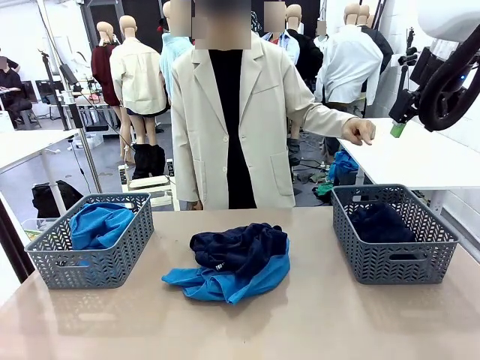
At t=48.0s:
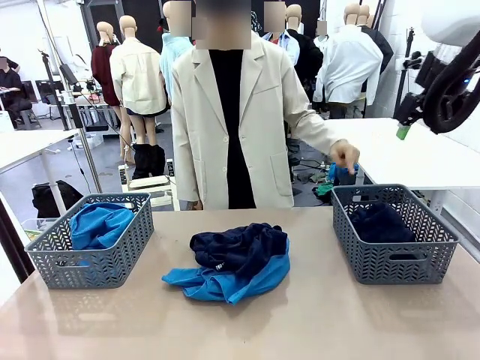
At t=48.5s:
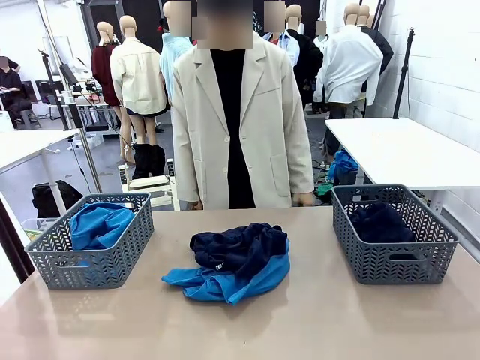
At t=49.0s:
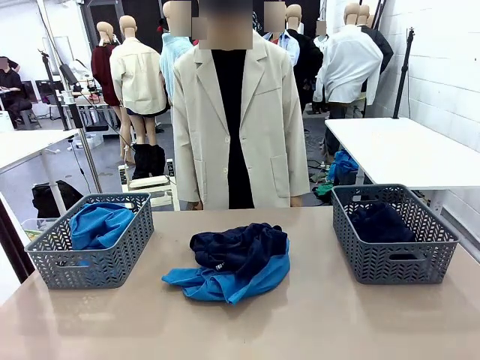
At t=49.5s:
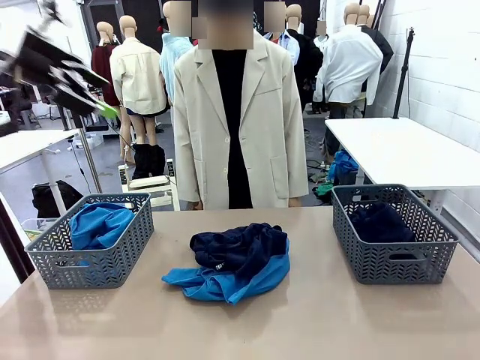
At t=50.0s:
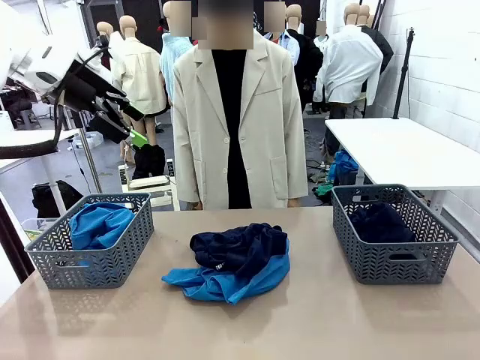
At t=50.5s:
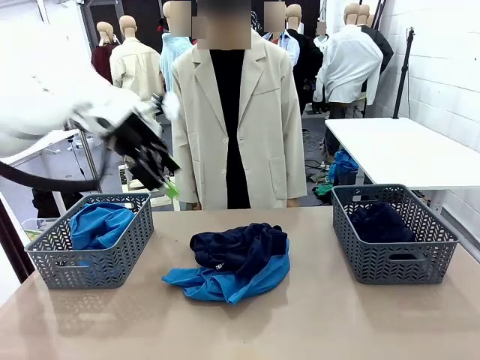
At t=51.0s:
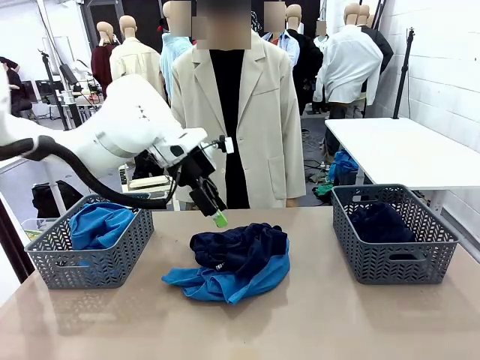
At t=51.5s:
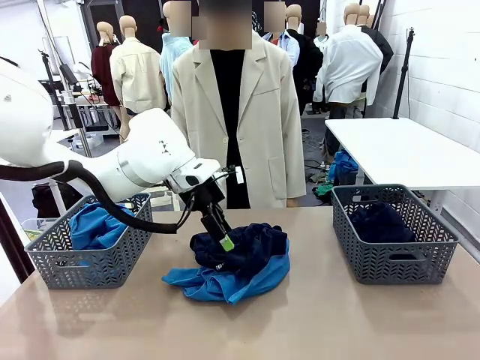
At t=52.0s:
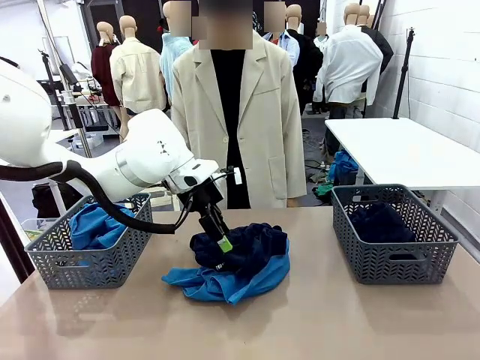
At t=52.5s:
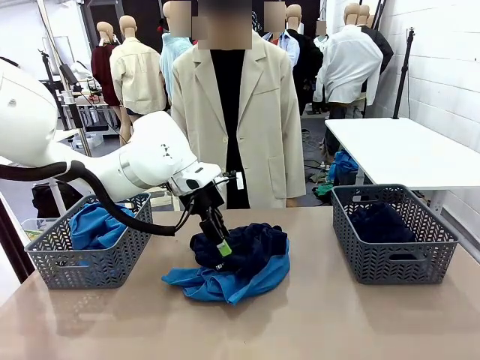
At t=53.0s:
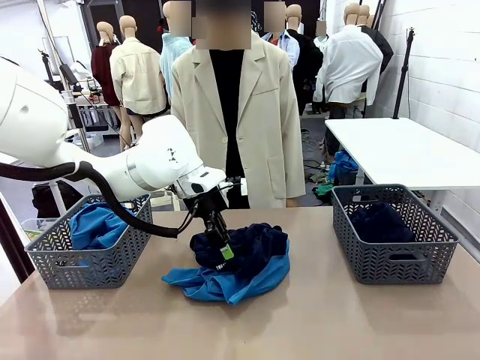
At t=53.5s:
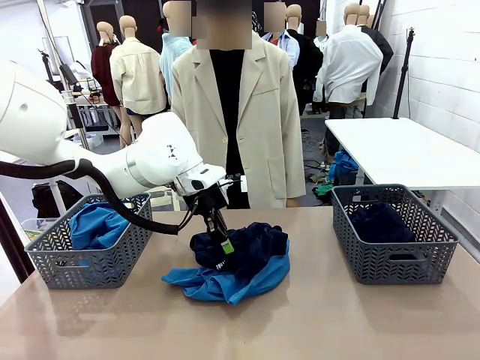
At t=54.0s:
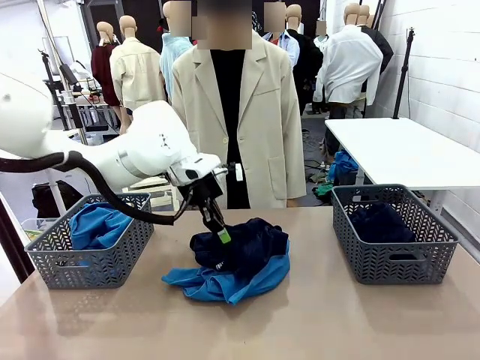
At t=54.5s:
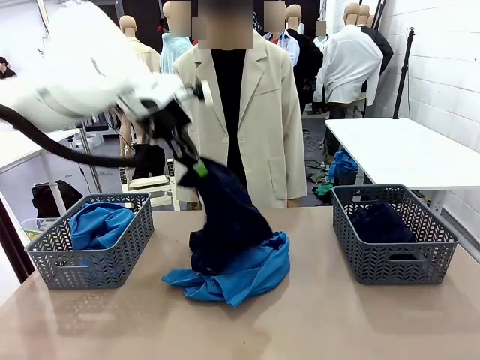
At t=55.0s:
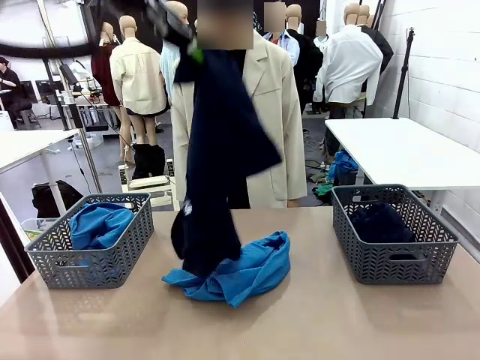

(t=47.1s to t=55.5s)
Task: Sort the tops and bottoms.
Robot: Lift clothes from the center of the table with your left hand.

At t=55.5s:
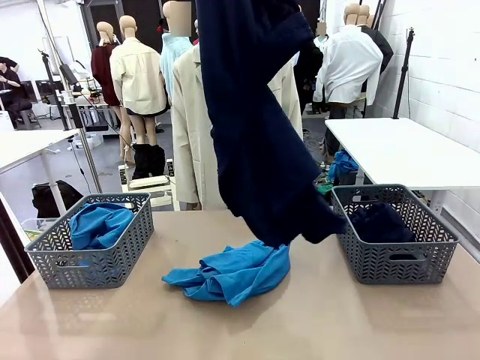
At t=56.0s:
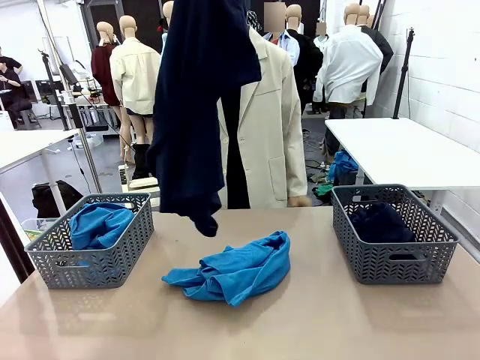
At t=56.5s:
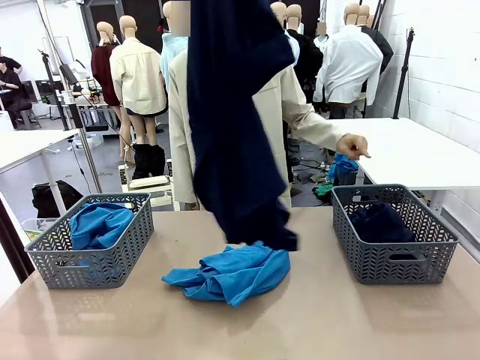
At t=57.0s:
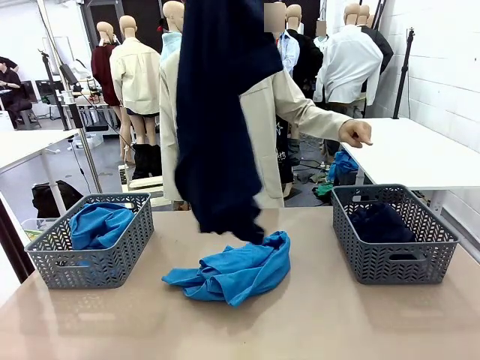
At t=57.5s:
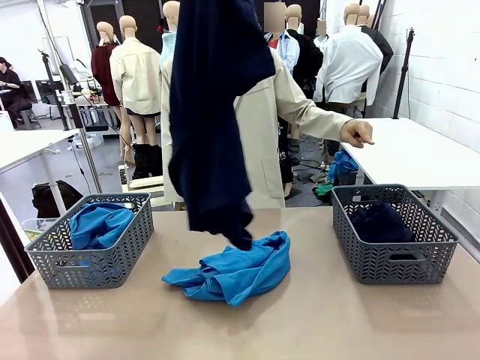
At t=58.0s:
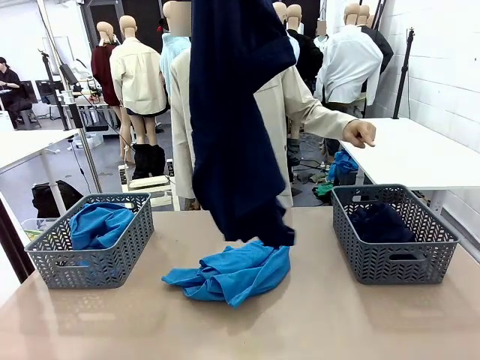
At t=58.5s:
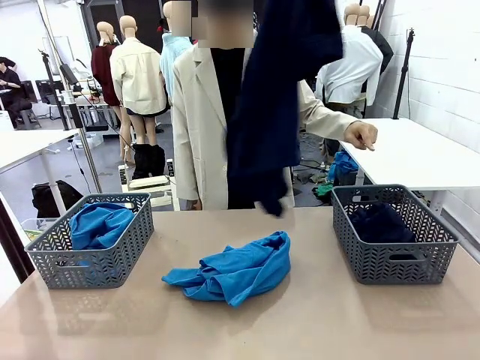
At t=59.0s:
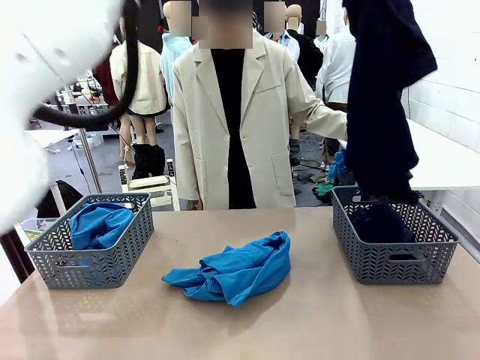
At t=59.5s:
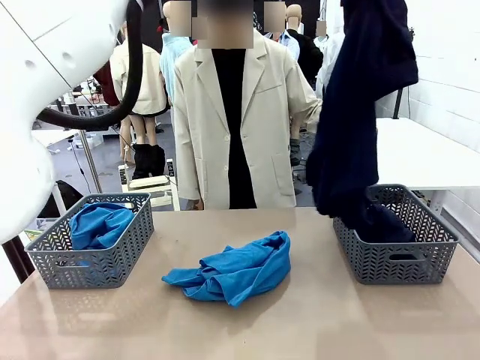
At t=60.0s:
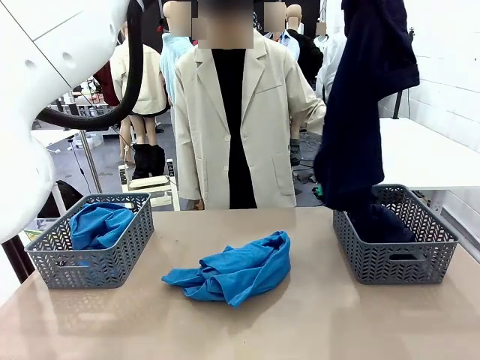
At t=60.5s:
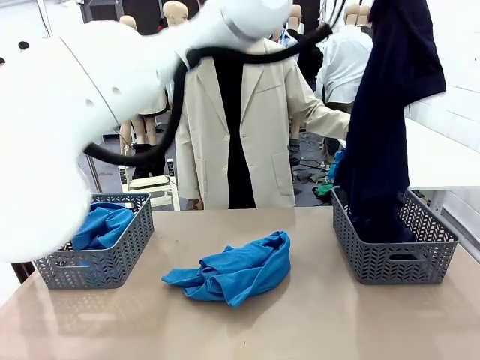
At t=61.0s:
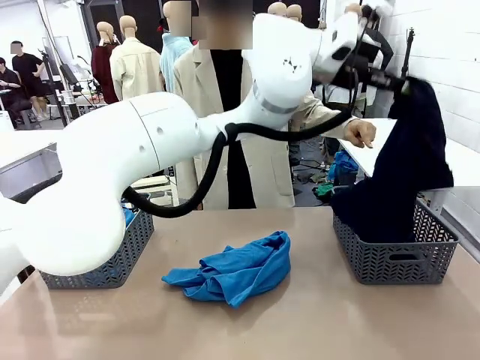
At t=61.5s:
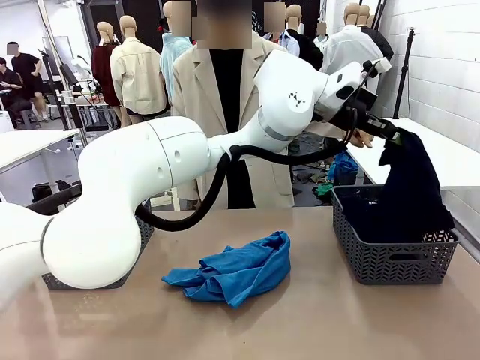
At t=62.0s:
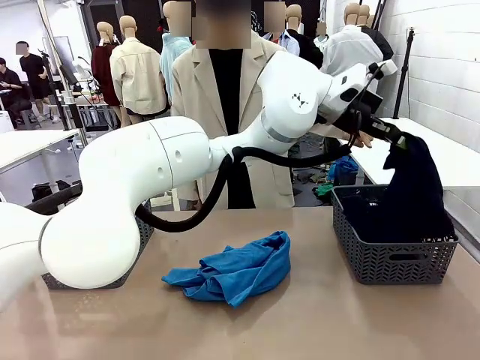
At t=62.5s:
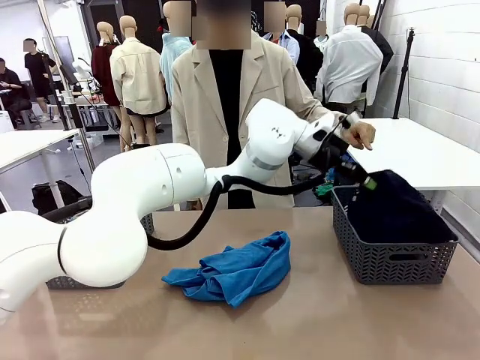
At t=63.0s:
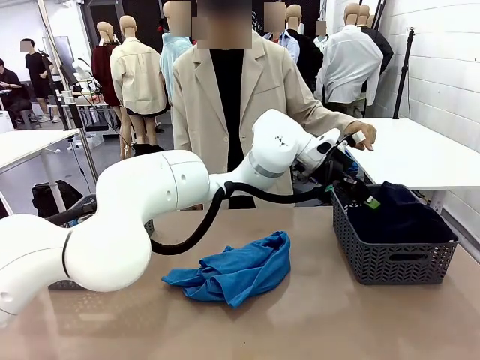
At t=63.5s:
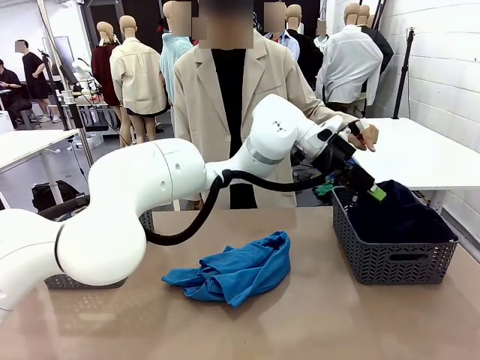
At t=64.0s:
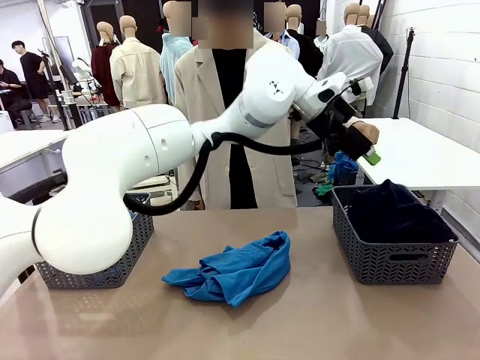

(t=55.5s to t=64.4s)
Robot: Sort the clothes according to human instructions.

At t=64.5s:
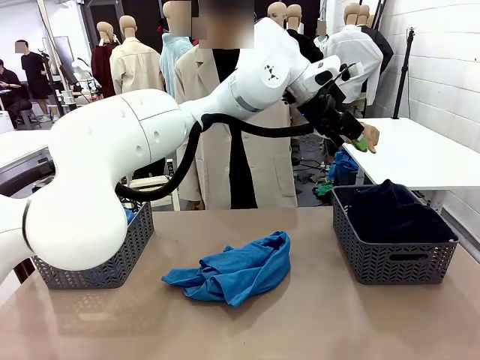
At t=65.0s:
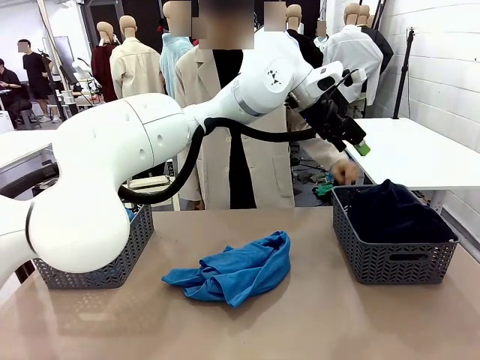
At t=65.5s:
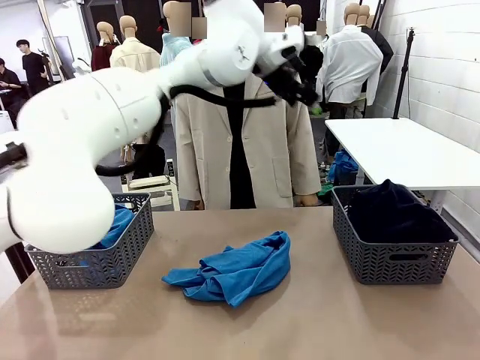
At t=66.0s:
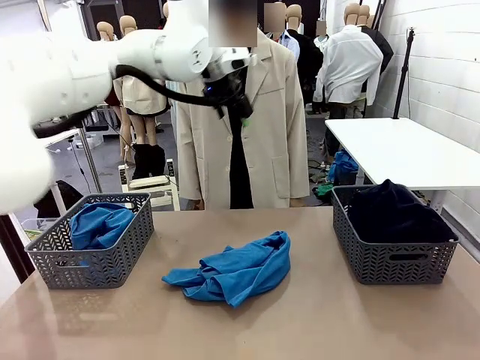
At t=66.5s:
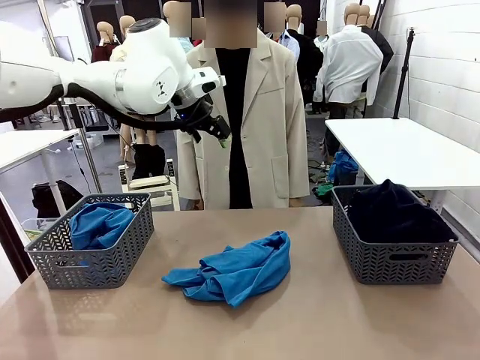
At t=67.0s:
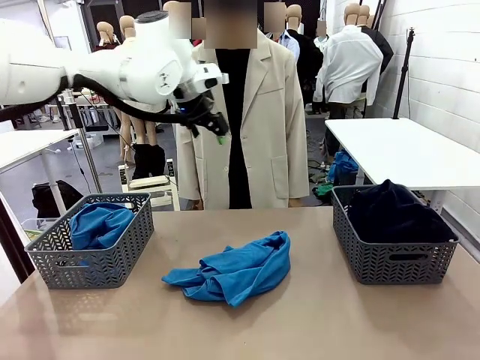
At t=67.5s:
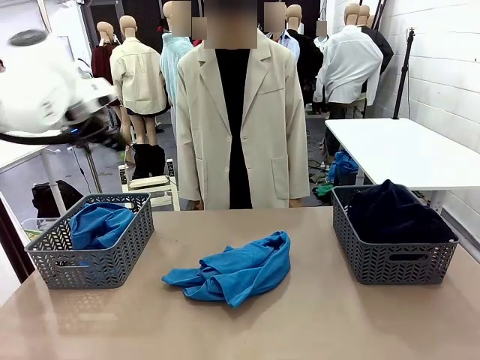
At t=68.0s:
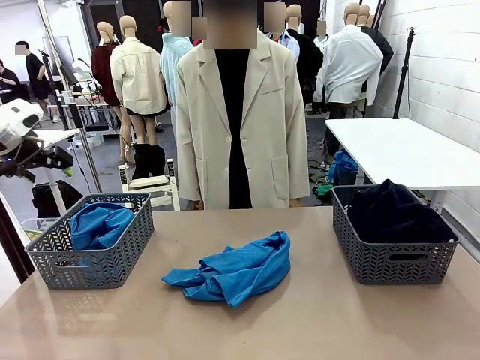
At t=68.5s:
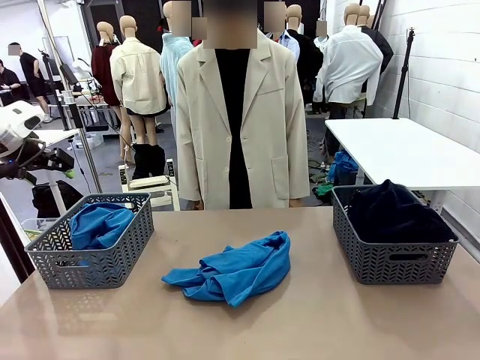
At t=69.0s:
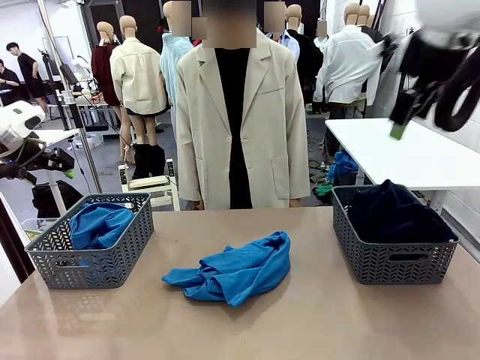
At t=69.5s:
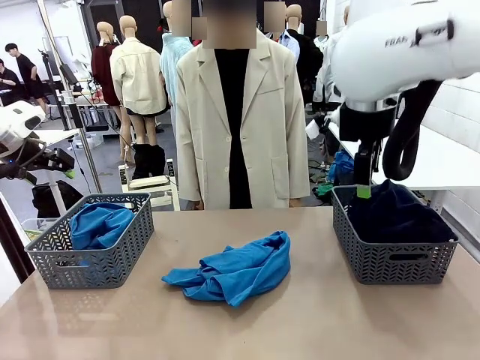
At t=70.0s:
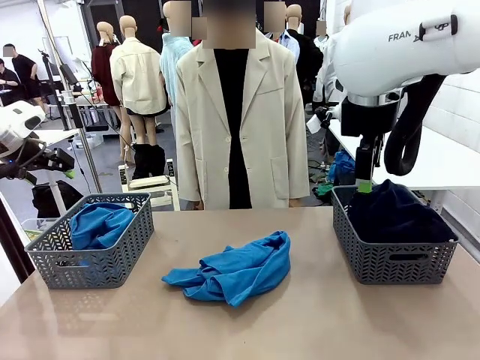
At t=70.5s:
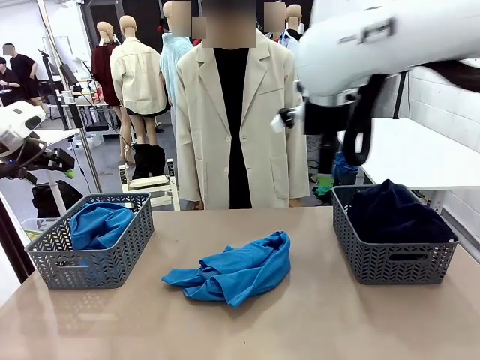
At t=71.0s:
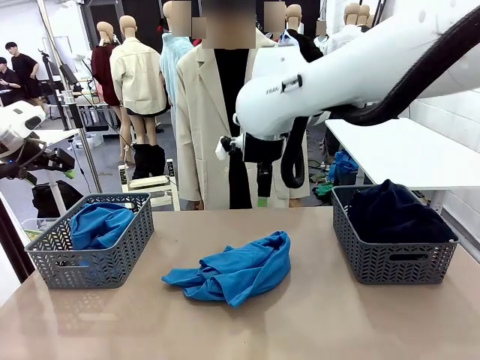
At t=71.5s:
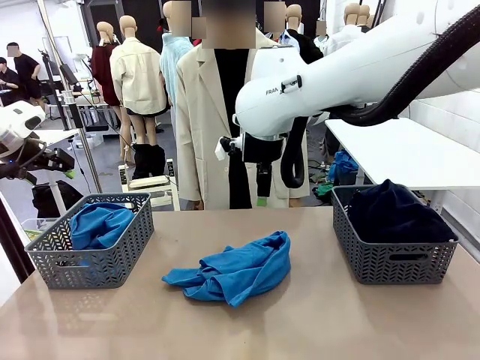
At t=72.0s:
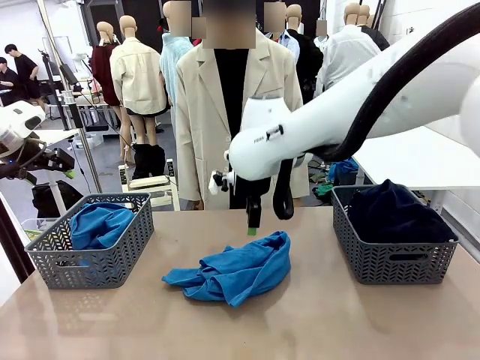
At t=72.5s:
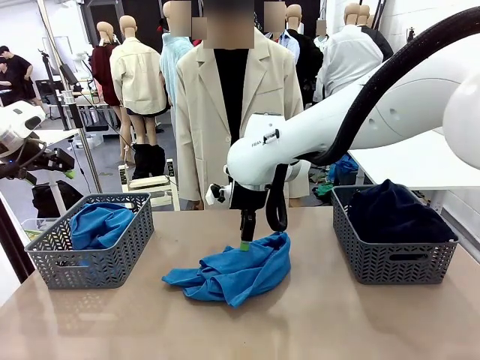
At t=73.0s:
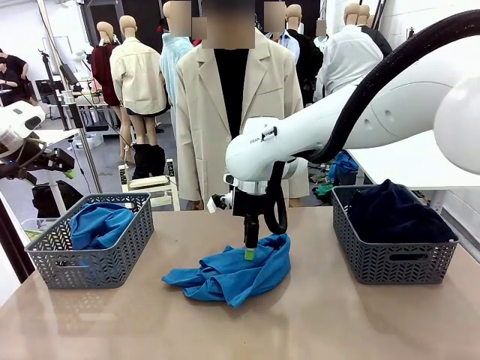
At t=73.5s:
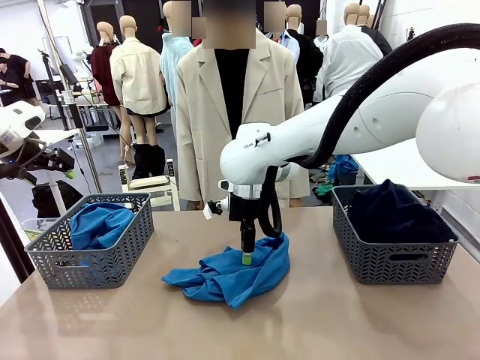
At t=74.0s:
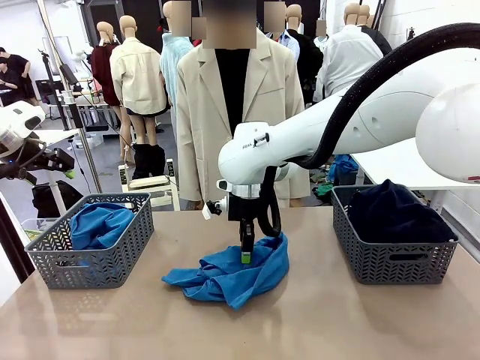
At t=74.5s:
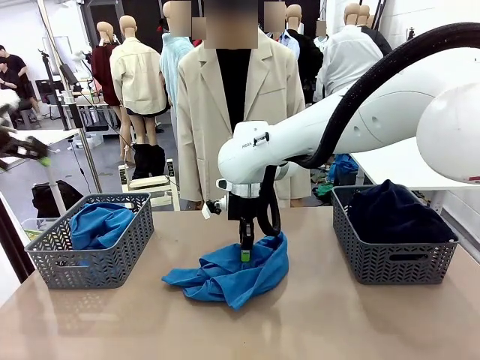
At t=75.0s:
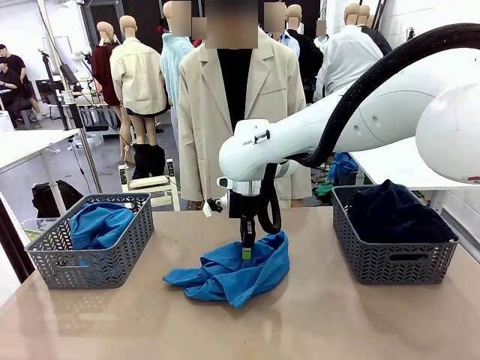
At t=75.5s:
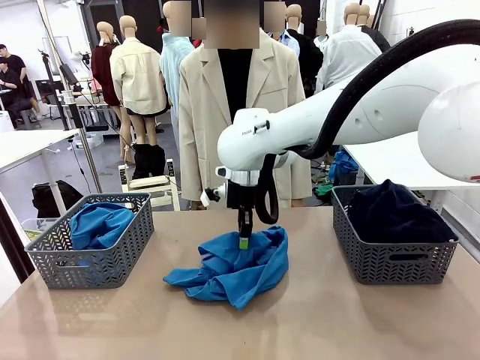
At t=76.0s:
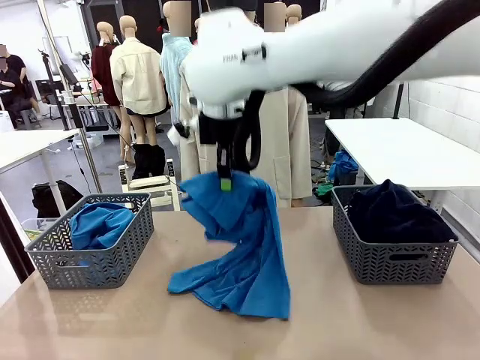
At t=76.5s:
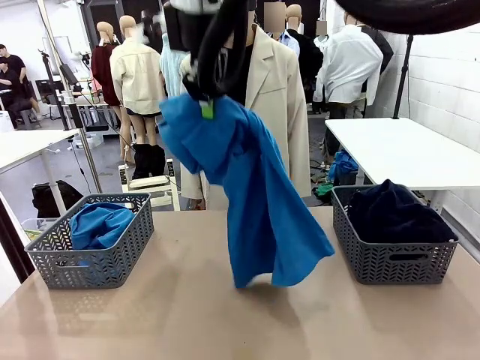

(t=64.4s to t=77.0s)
Robot: Lift clothes from the center of the table with your right hand.
